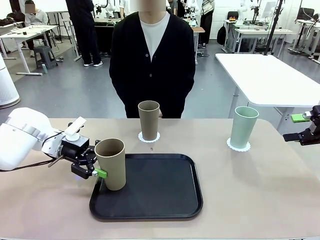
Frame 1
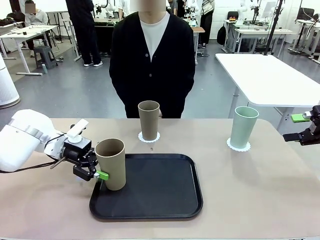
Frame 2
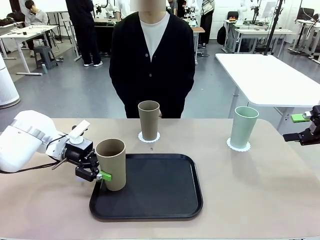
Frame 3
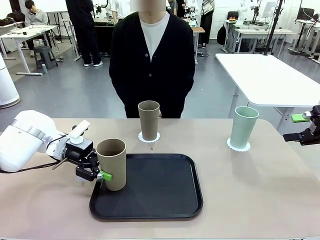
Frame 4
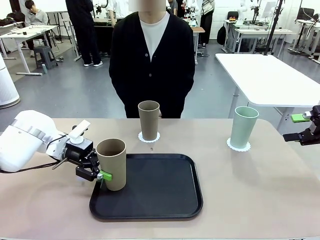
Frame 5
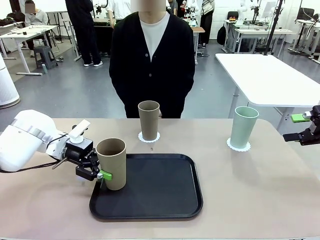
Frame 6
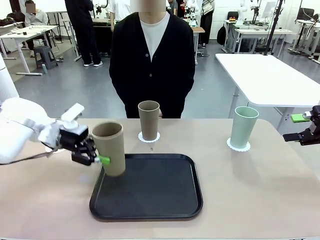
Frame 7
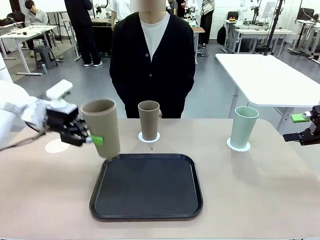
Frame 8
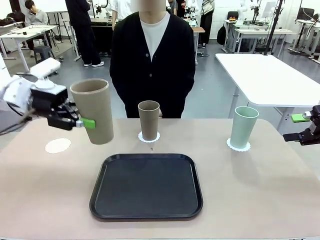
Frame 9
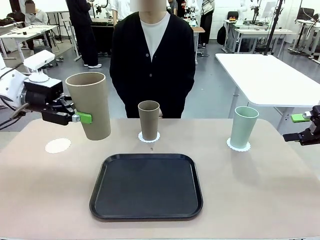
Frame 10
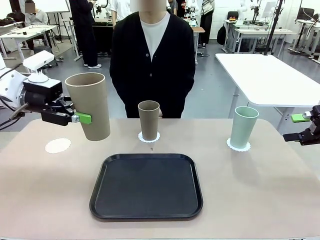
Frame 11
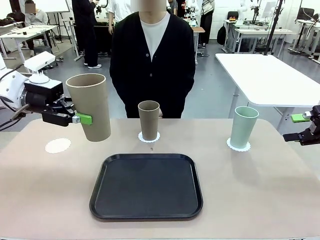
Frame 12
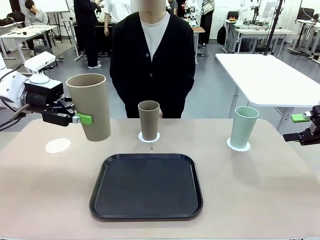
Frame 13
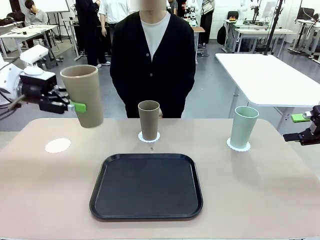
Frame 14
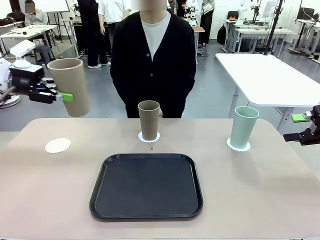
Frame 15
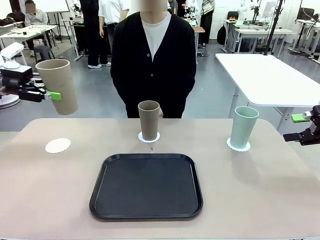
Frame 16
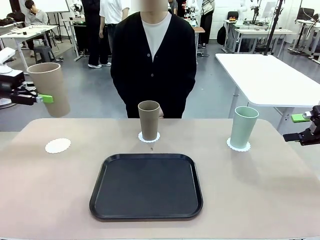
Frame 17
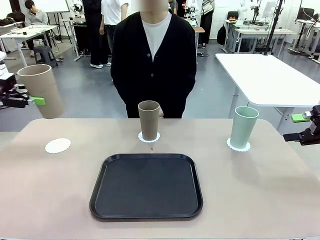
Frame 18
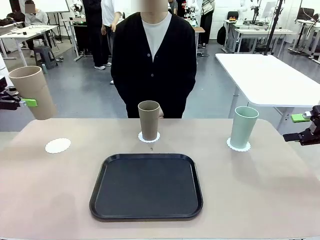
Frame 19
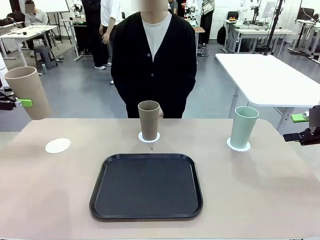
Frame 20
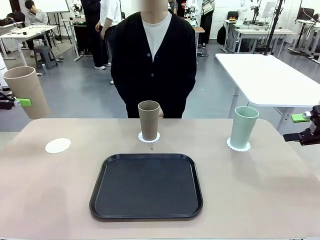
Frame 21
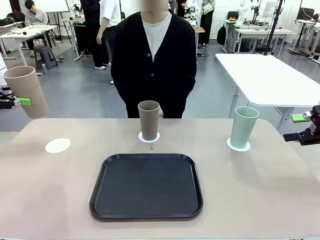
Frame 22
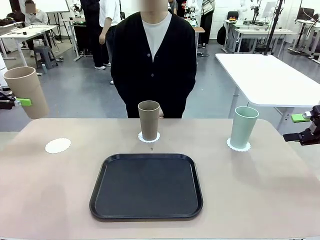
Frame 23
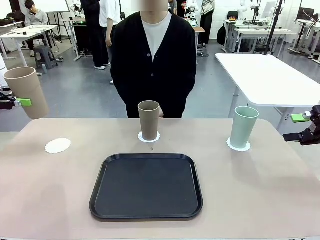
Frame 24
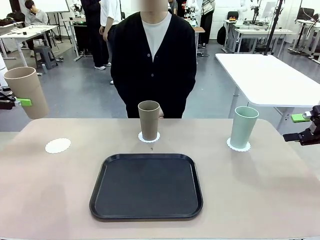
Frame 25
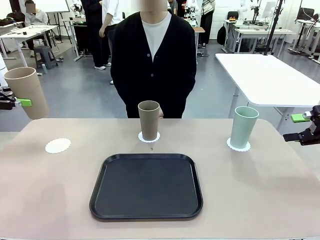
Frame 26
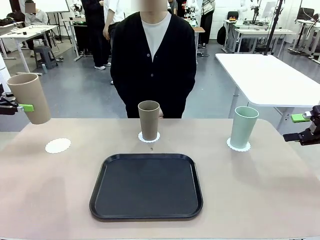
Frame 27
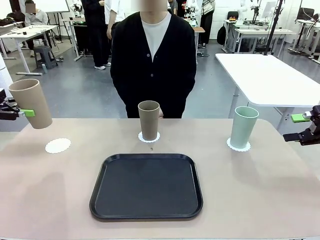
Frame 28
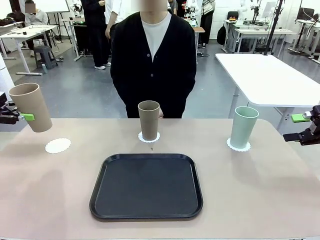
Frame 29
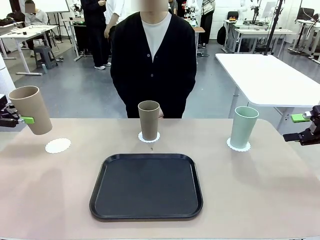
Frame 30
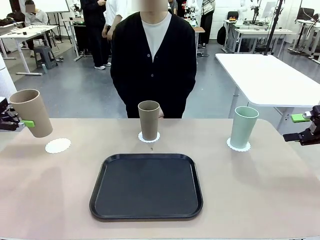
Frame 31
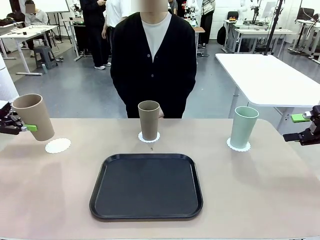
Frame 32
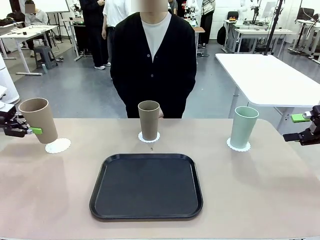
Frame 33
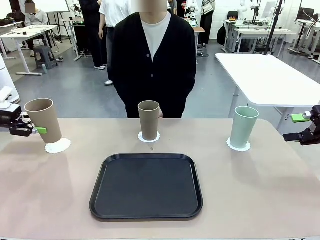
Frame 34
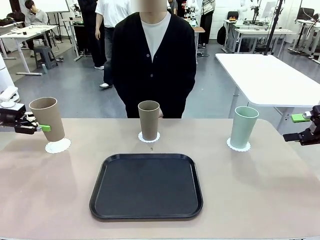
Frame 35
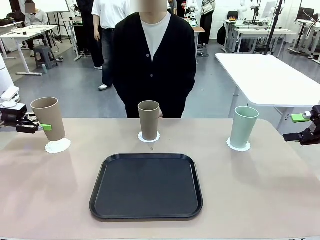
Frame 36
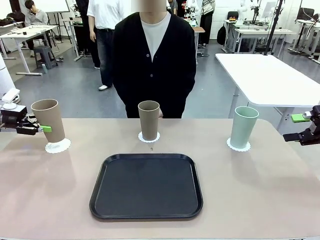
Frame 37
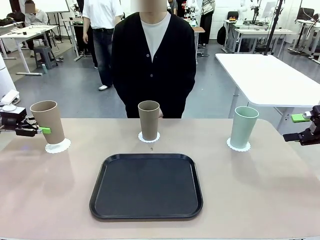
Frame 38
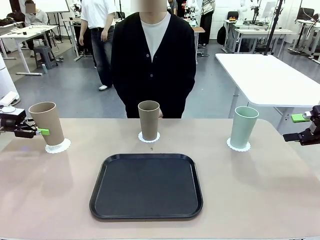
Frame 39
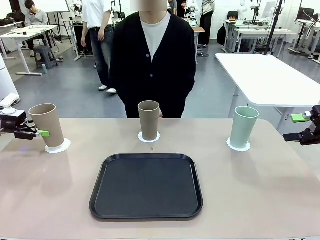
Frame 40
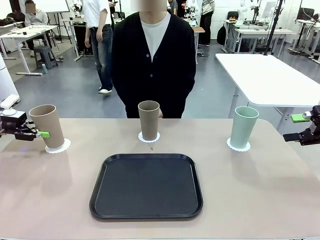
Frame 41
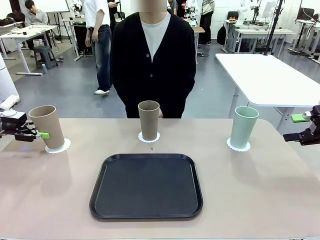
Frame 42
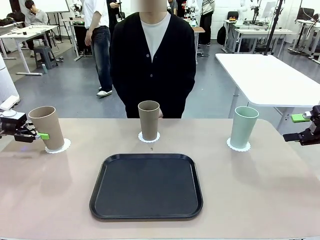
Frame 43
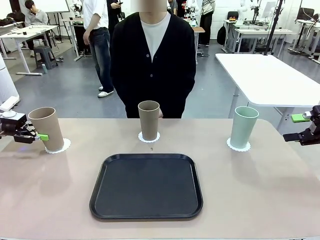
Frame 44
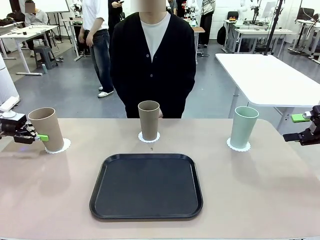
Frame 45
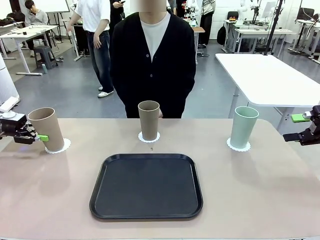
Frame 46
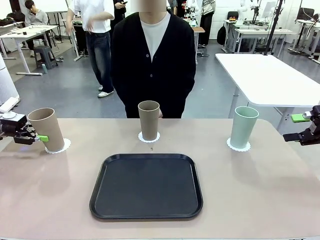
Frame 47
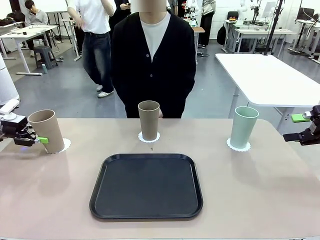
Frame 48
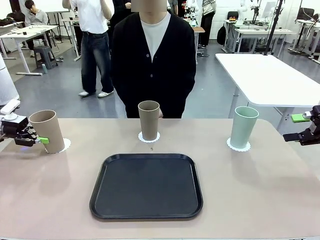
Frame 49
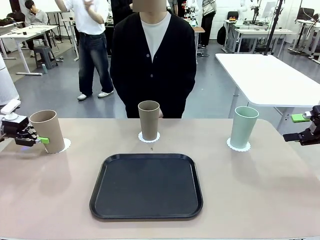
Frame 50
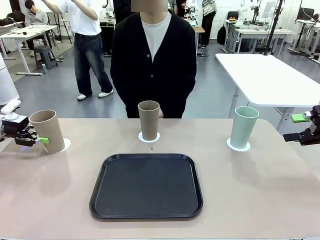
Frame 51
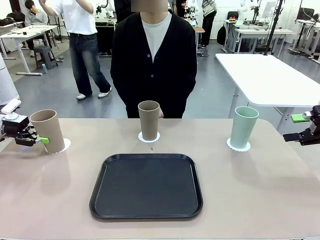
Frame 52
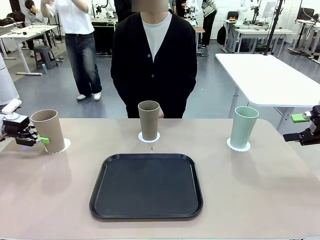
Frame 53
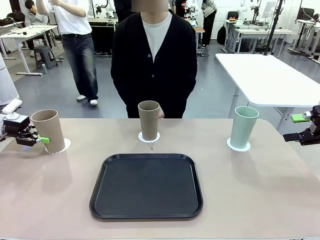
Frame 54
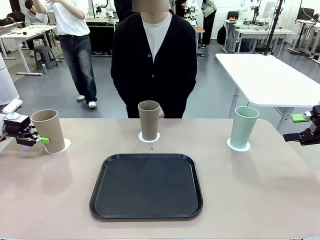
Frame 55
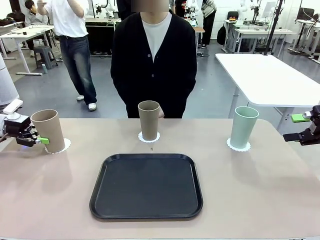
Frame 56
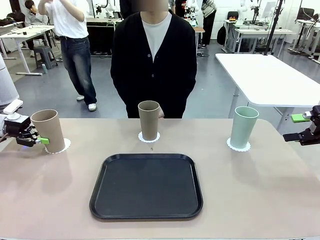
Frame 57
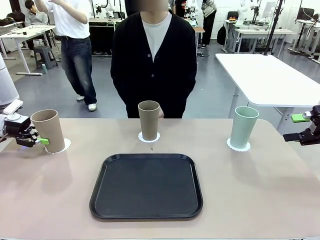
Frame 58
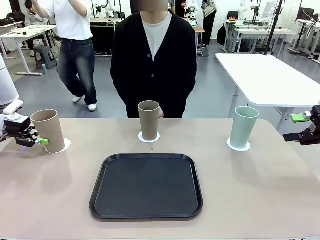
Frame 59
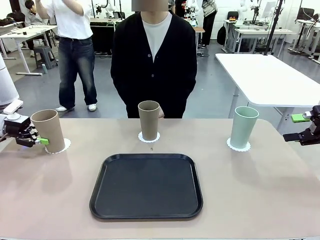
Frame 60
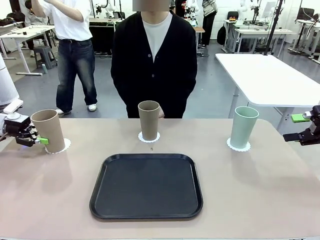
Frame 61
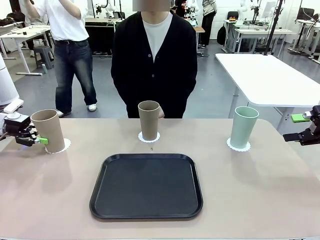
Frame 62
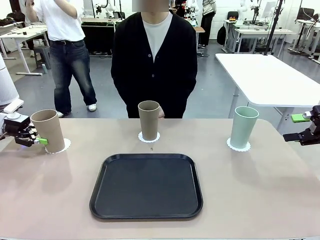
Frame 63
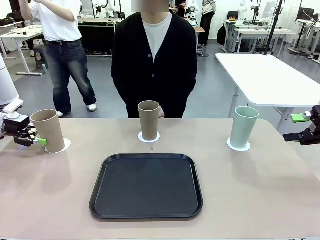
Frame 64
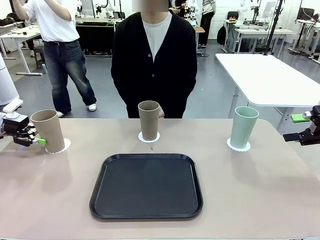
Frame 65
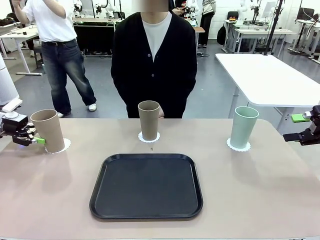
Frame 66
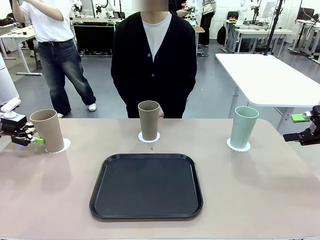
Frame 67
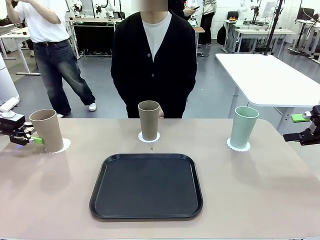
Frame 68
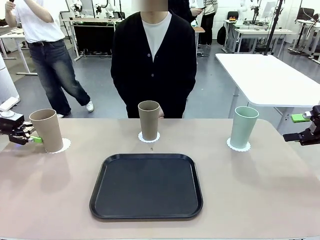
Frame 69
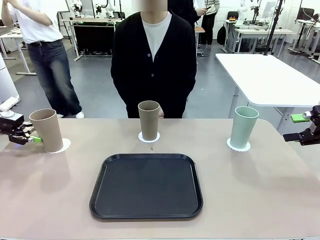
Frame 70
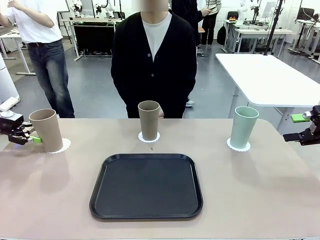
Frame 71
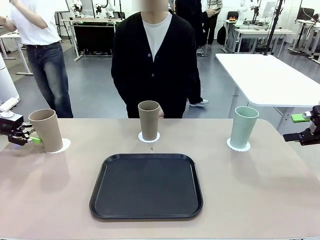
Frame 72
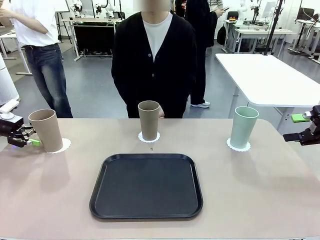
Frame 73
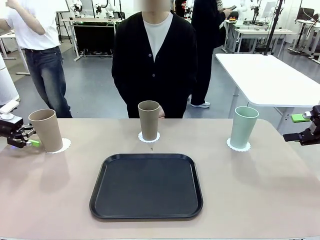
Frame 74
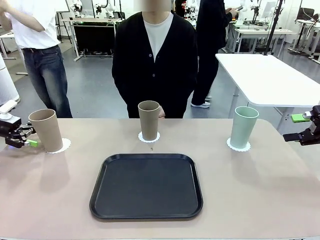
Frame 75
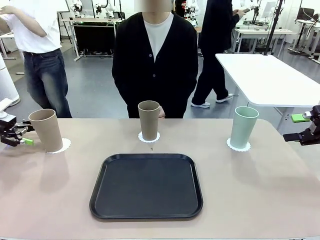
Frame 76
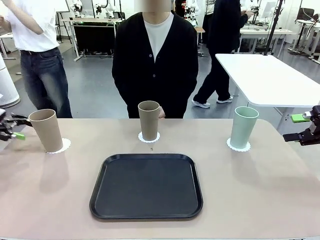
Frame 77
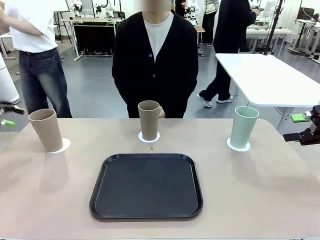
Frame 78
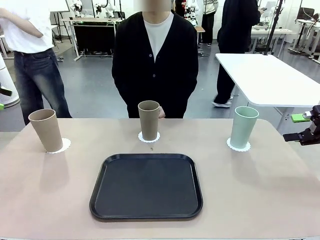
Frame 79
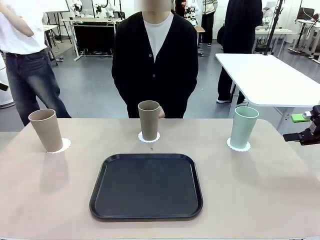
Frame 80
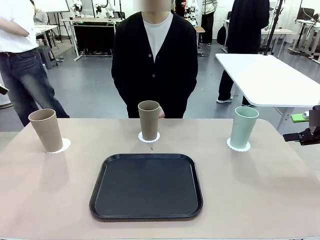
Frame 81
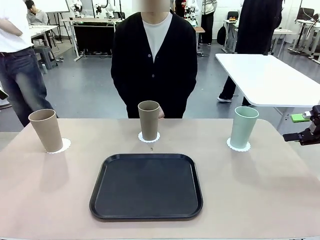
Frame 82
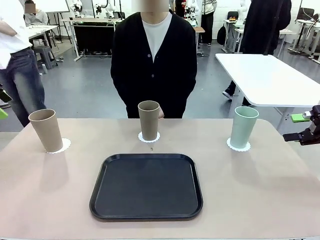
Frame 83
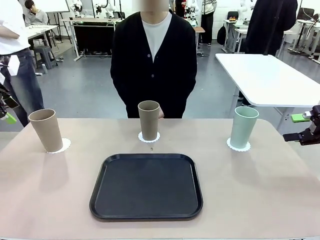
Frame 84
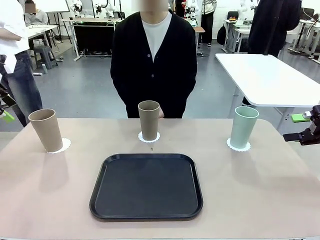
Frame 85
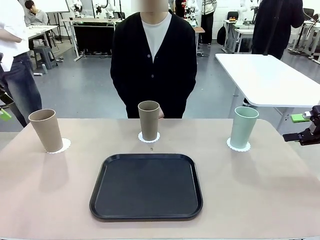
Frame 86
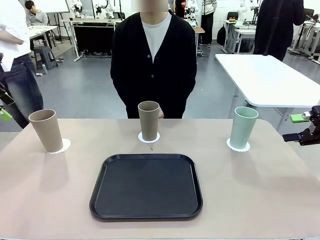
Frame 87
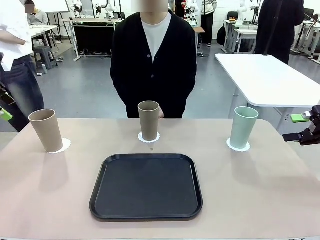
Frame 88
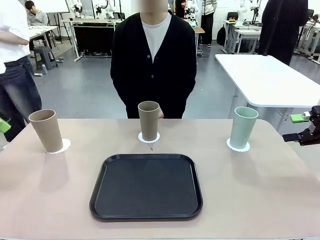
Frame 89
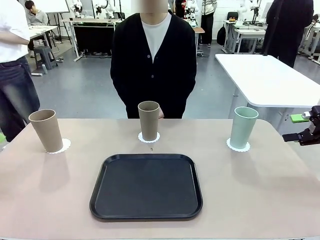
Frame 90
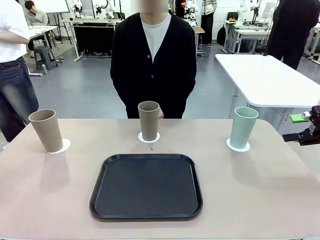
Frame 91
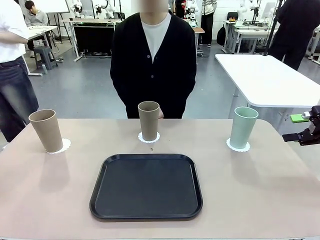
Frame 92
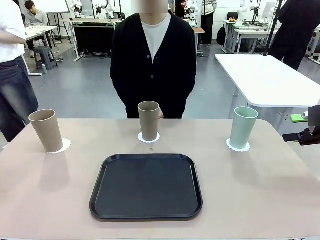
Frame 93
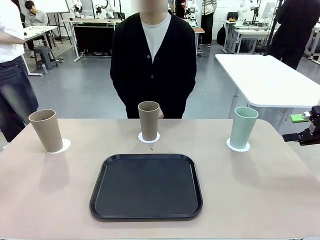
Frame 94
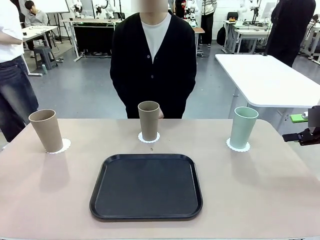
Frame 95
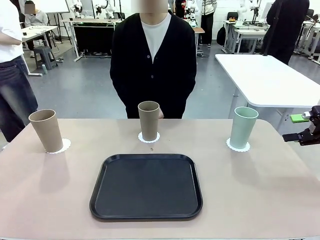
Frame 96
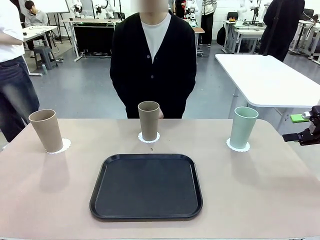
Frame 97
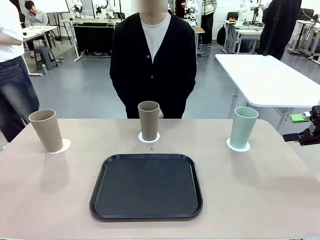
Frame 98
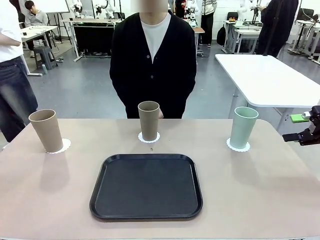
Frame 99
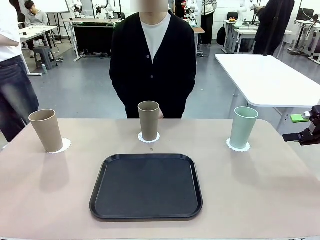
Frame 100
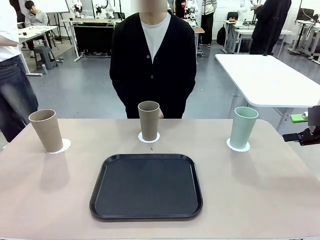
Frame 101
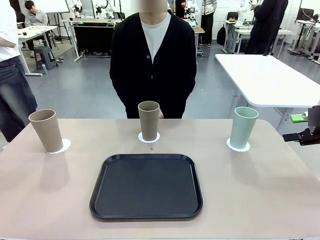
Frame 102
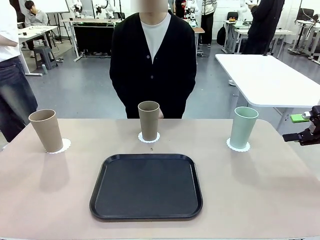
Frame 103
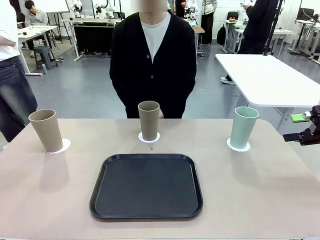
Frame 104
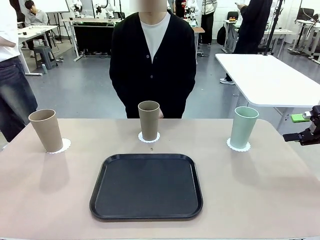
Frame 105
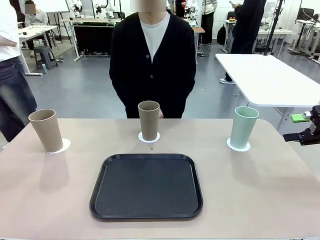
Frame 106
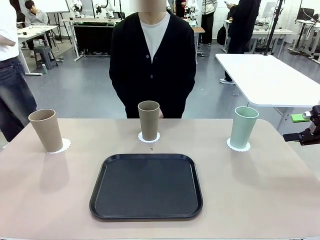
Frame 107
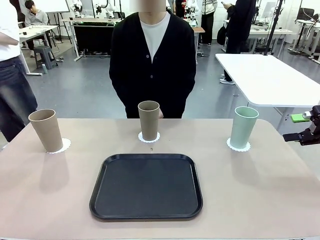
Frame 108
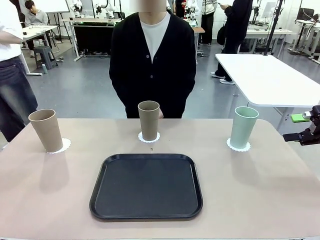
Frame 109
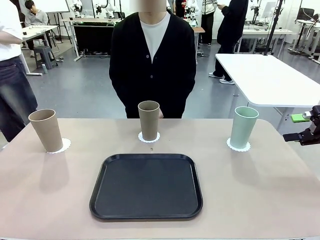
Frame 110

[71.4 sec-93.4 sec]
Task: Place coasters on the table and set cups on them.
Robot: Take one Reusable plastic cup from the Flat Tray and place it on a coaster set by the human.
